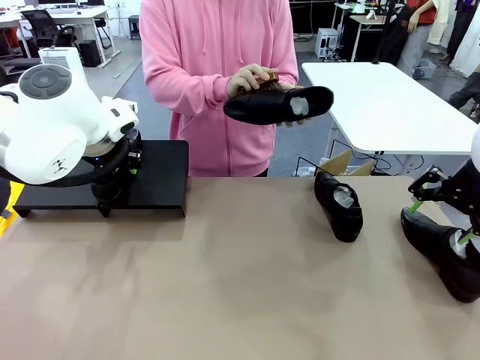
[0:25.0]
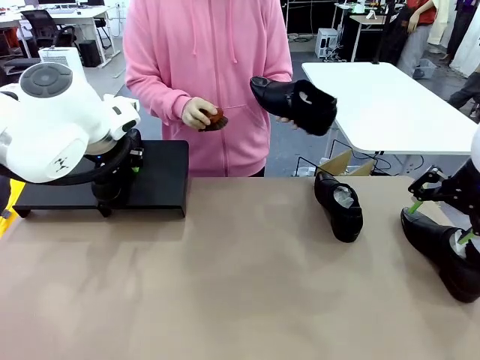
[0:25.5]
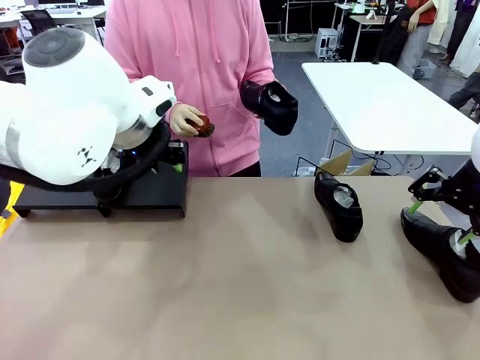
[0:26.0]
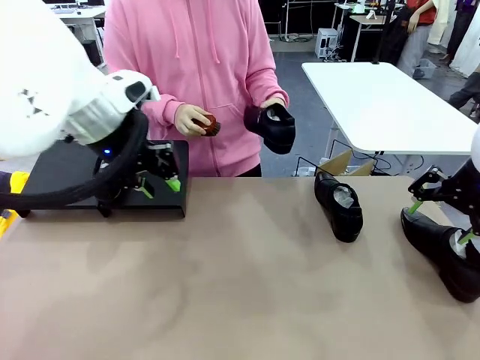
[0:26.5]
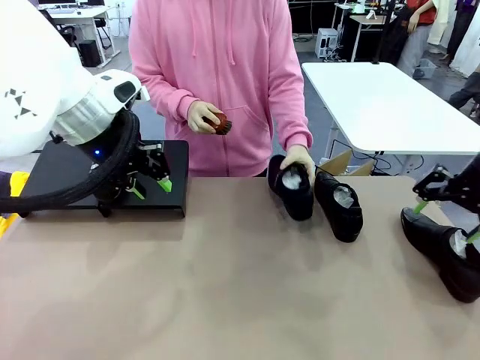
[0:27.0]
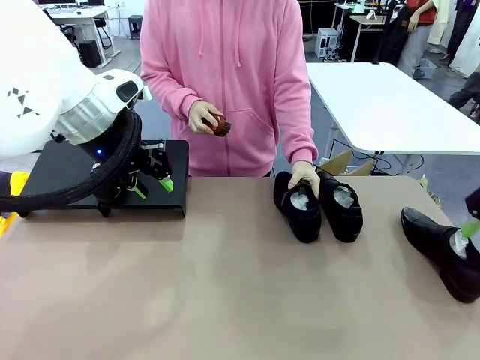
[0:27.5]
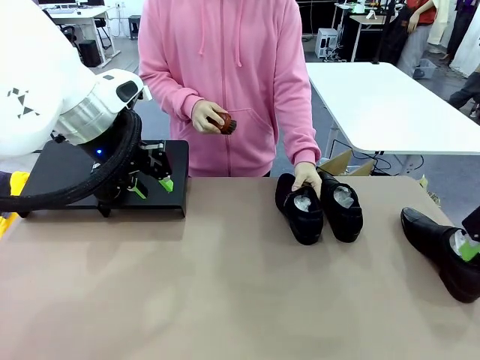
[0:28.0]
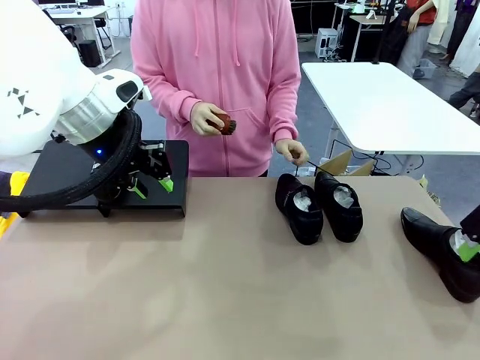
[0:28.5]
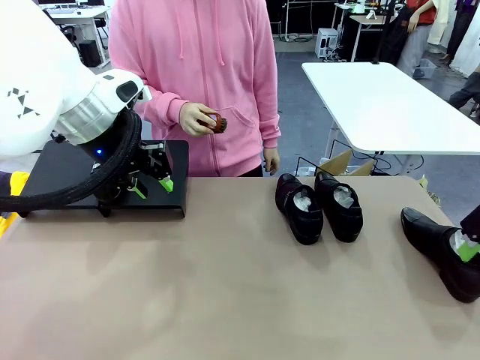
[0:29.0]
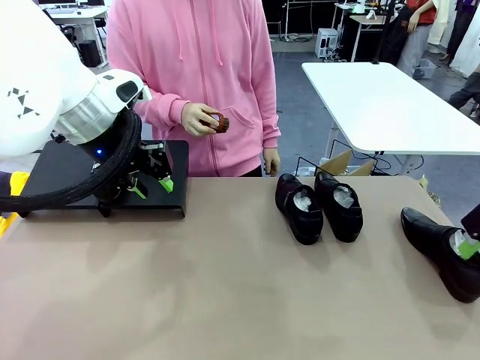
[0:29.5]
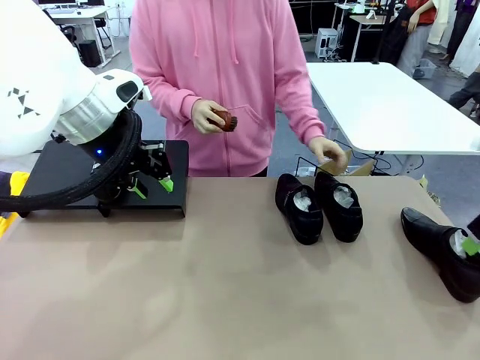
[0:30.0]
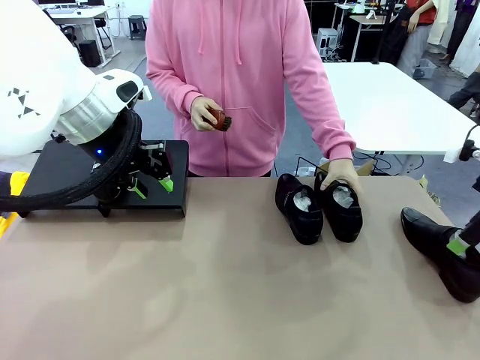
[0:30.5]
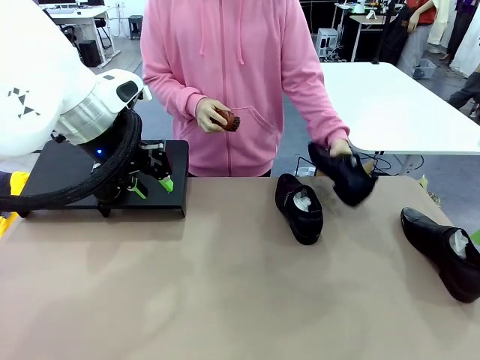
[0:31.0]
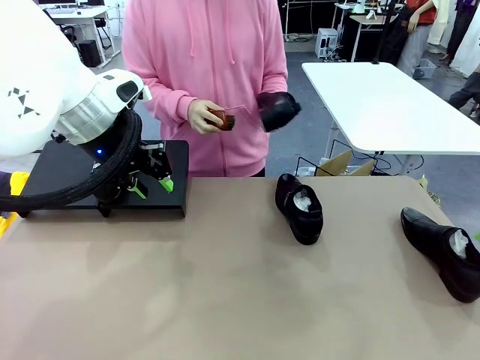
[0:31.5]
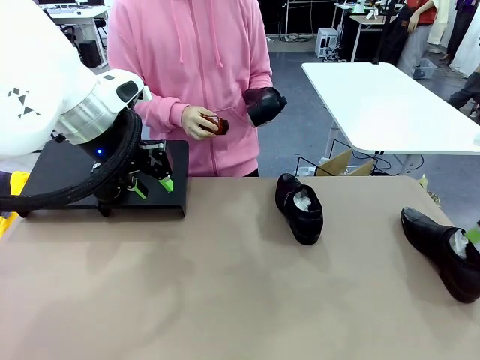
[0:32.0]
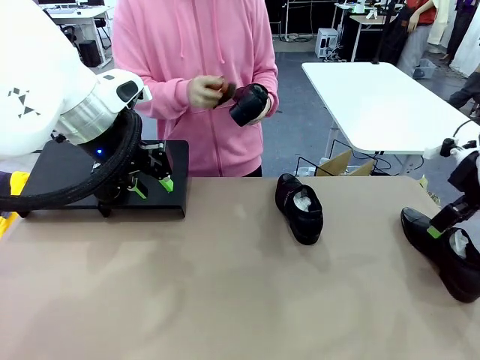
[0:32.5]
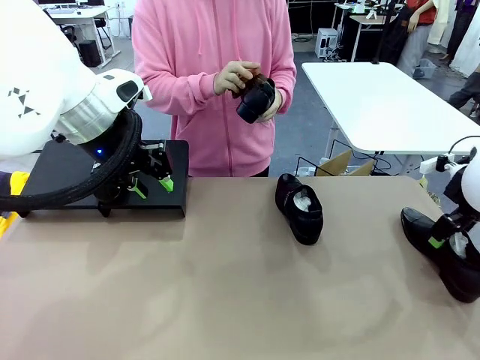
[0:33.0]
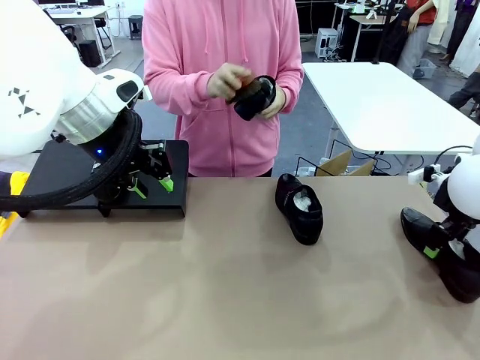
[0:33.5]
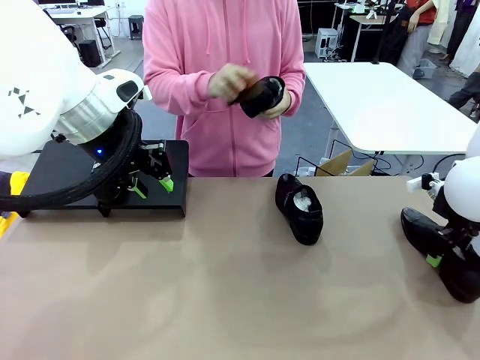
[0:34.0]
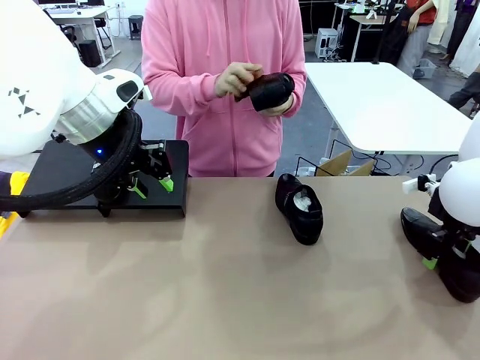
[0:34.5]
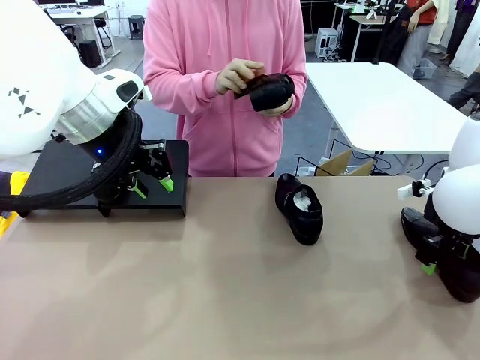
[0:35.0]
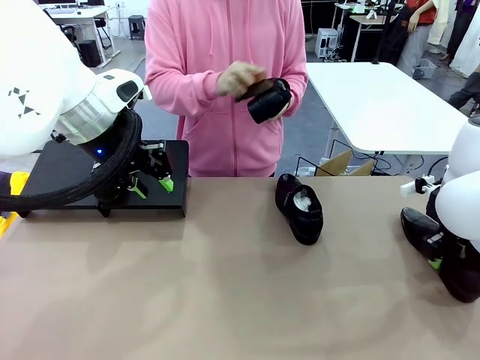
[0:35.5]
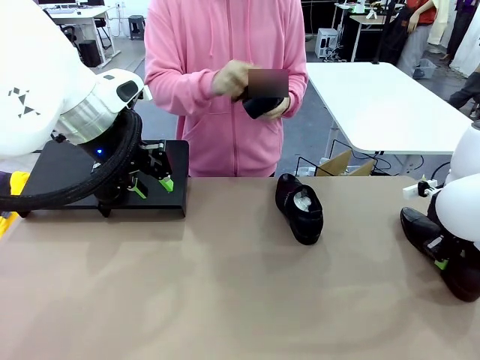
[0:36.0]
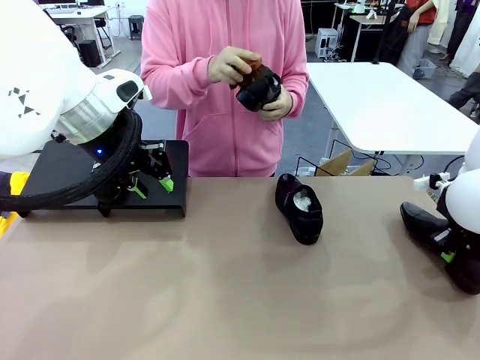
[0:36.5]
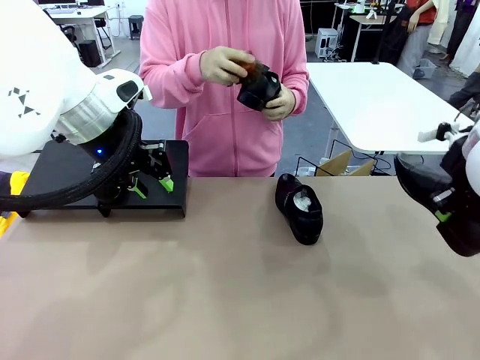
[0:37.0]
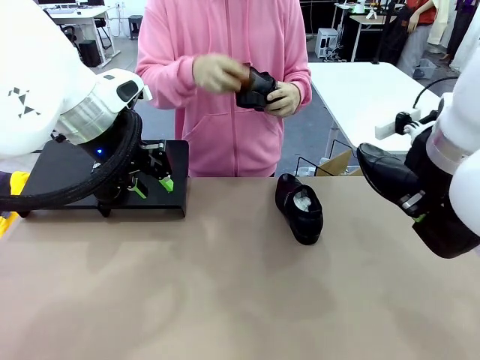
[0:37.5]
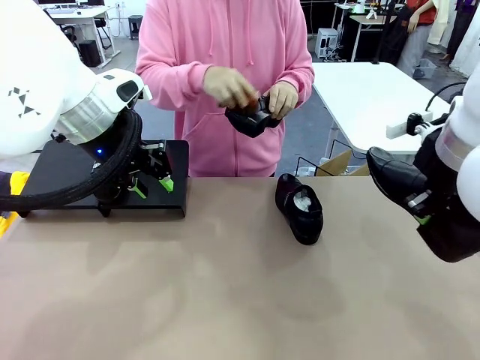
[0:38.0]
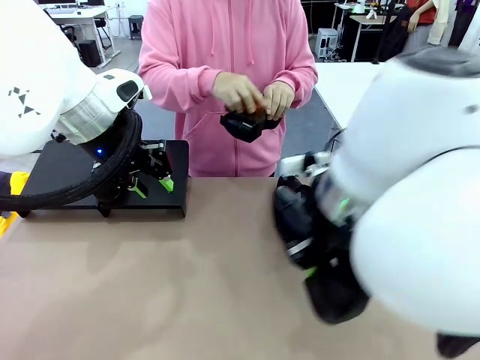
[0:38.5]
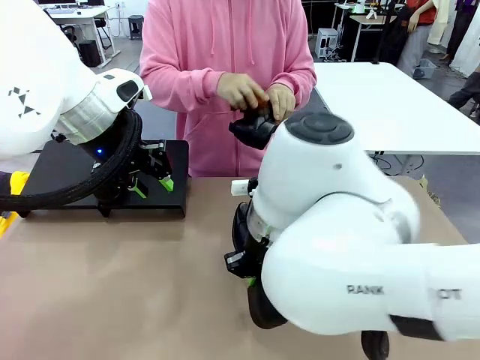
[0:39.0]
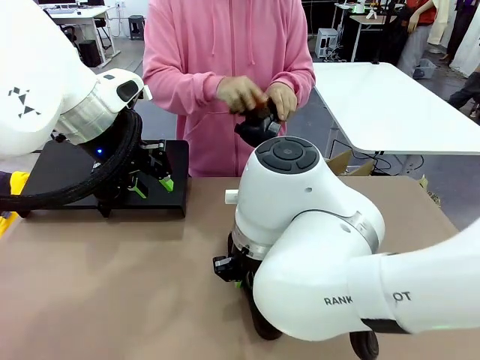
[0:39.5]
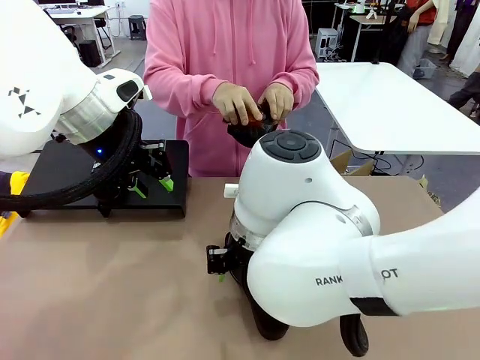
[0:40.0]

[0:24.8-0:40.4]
Task: Organize the shoes by placing them on the stand.
Robot: Pick up one Shoe and place it in the middle of the table.
Person: Place the Shoe on left side of the Robot's table. Pick one Shoe on Robot's table.

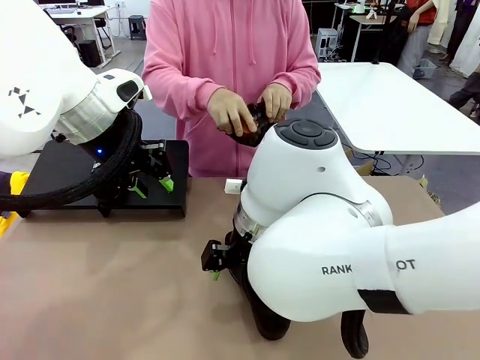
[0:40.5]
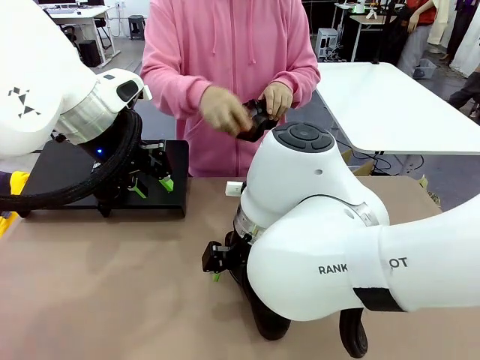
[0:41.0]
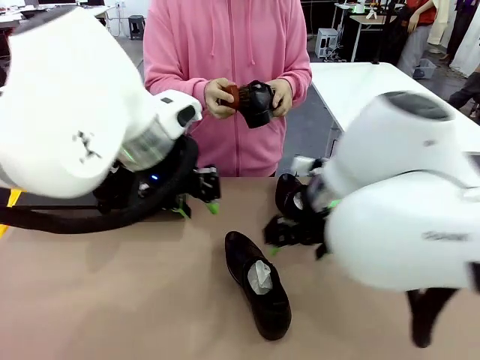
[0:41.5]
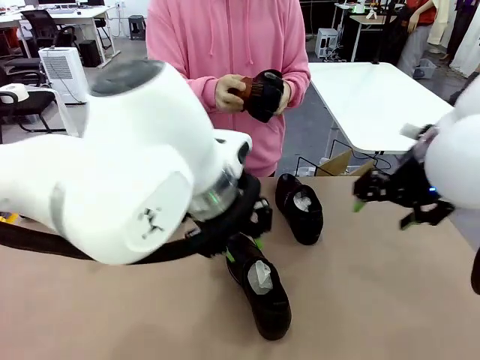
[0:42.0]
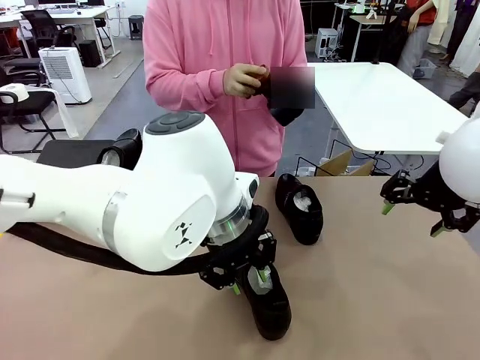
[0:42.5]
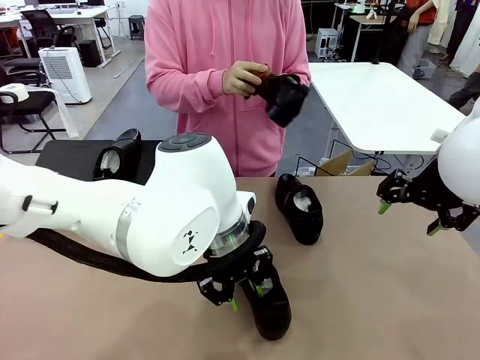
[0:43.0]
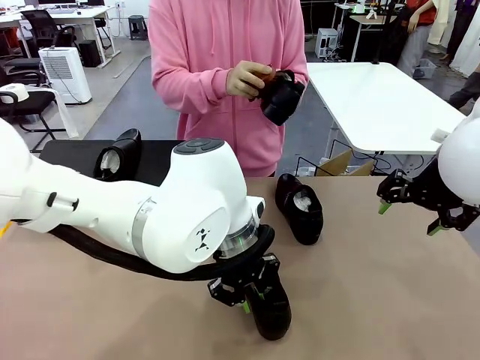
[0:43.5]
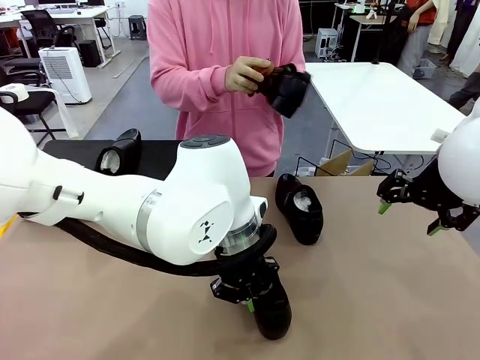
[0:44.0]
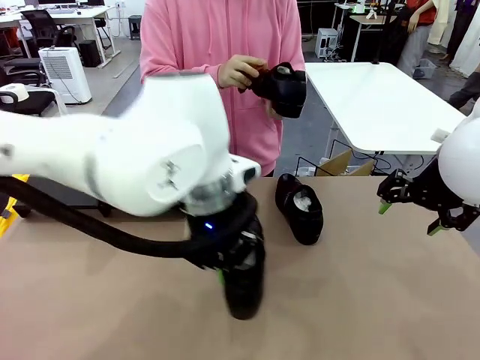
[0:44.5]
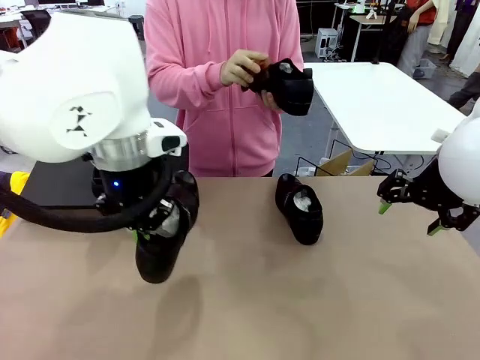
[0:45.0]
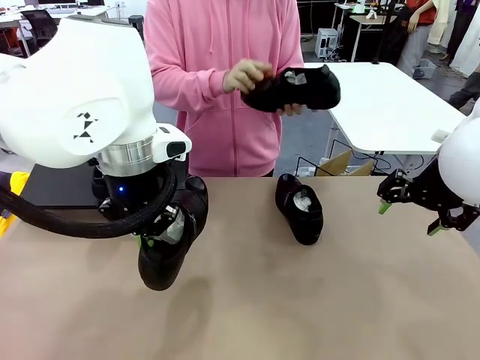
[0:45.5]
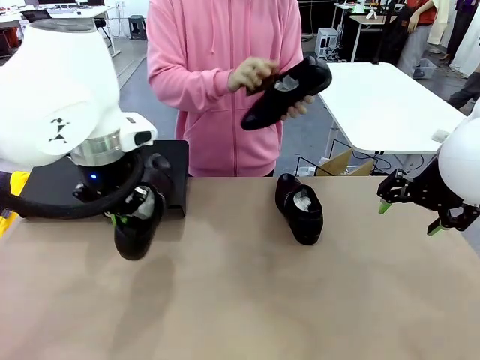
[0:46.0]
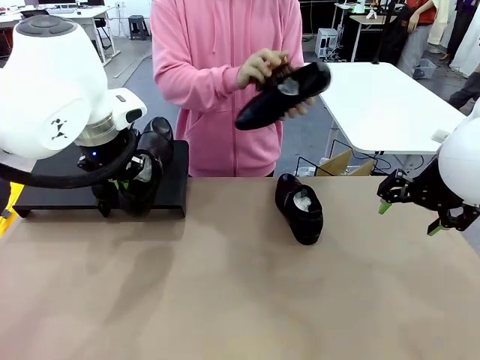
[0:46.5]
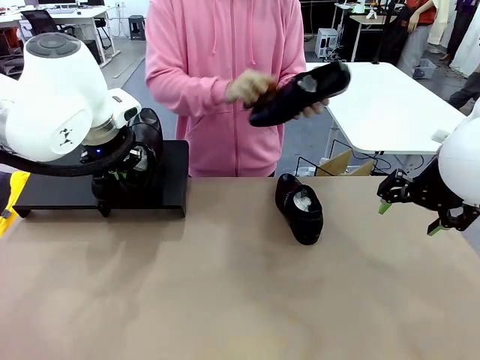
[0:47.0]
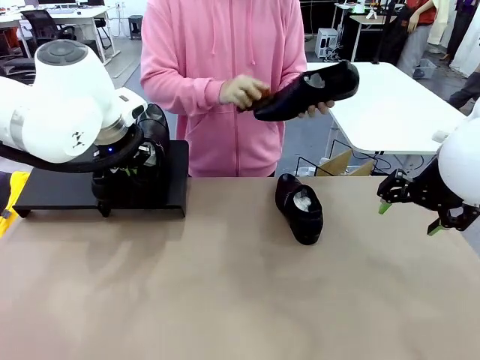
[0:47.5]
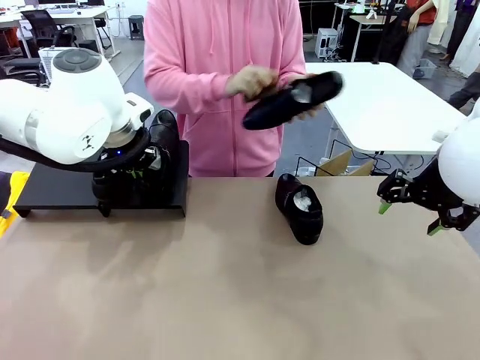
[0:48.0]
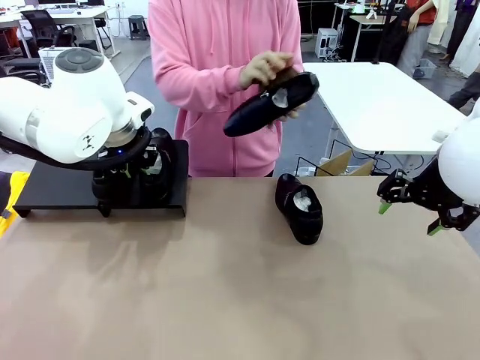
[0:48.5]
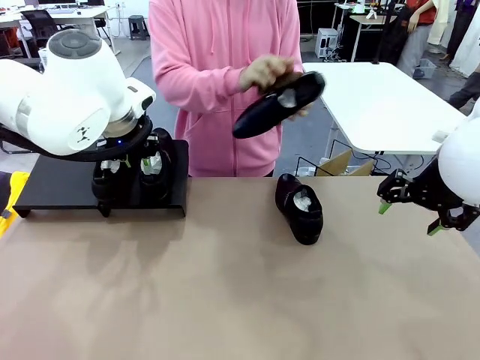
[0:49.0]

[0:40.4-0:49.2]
Robot: Place the Shoe from the middle of the table onto the Shoes Stand.
